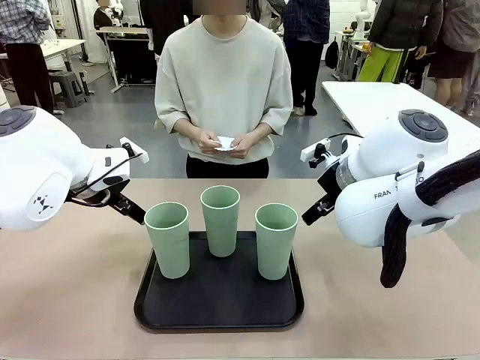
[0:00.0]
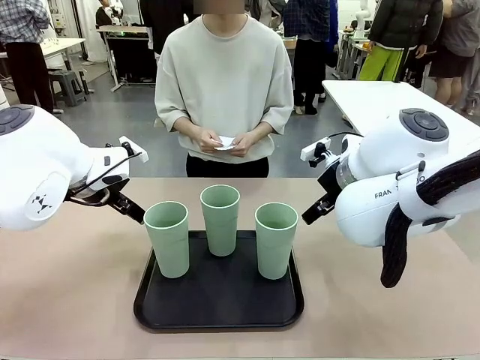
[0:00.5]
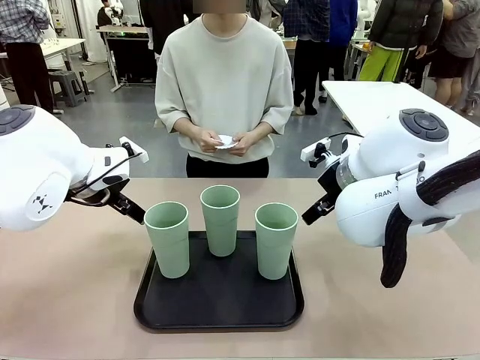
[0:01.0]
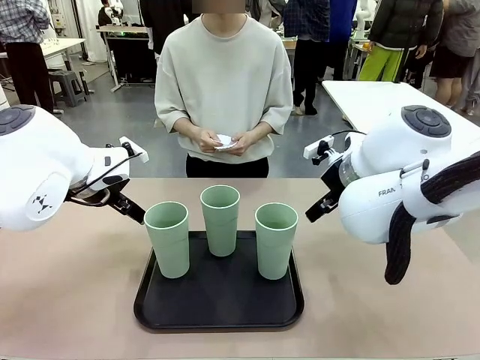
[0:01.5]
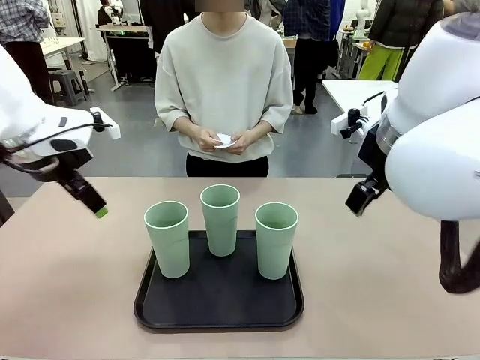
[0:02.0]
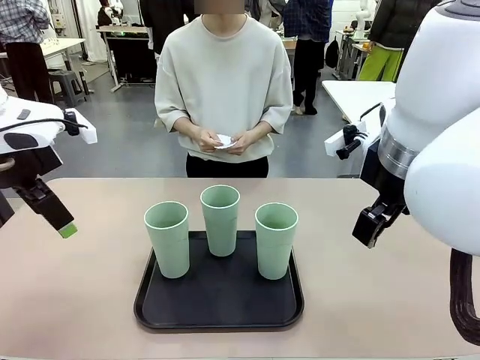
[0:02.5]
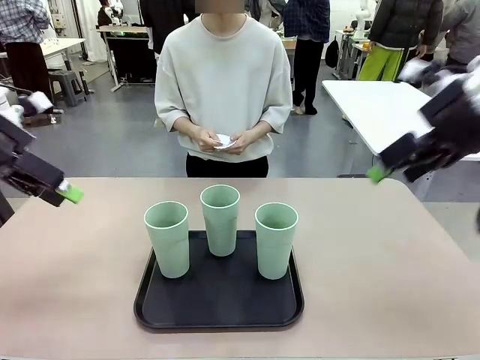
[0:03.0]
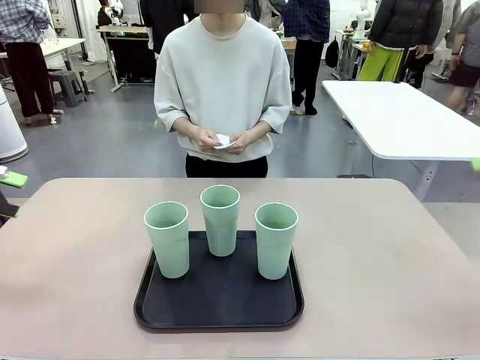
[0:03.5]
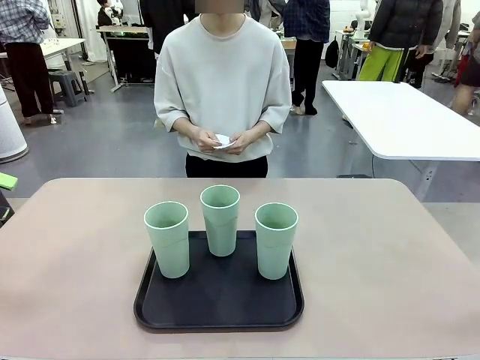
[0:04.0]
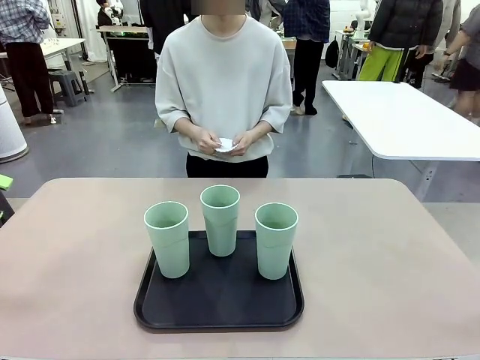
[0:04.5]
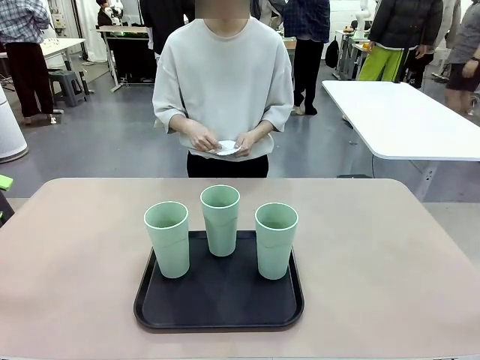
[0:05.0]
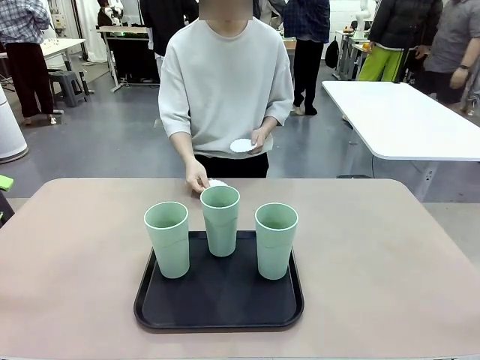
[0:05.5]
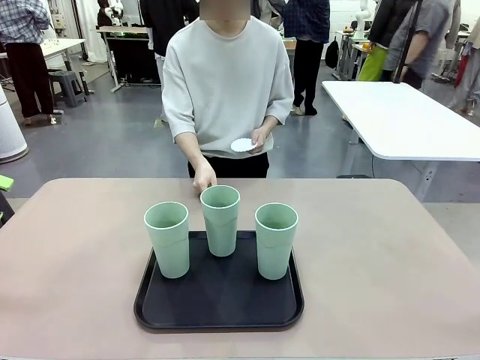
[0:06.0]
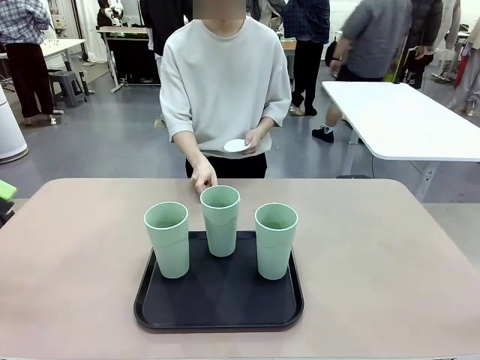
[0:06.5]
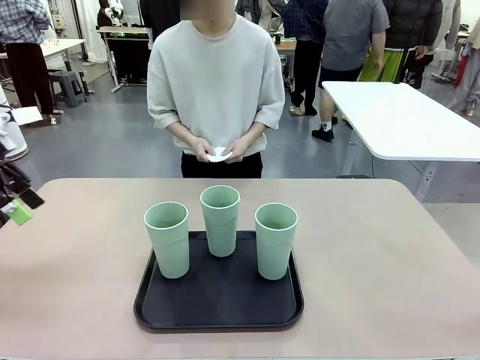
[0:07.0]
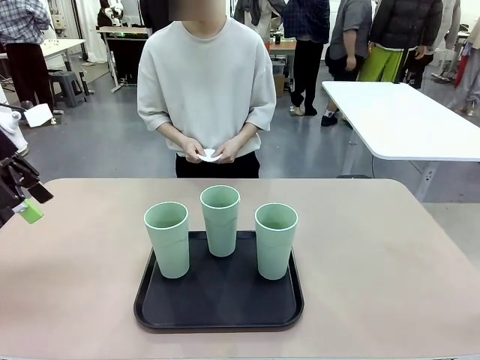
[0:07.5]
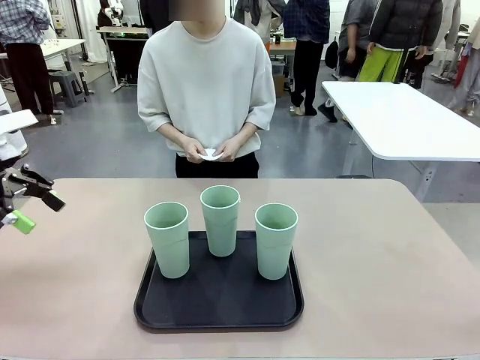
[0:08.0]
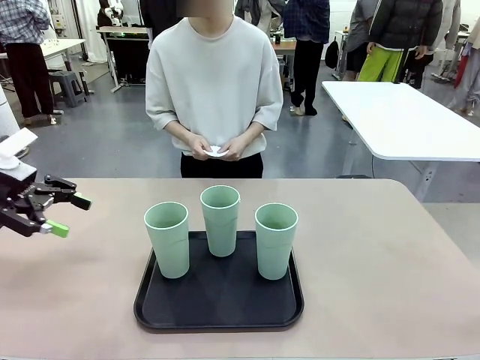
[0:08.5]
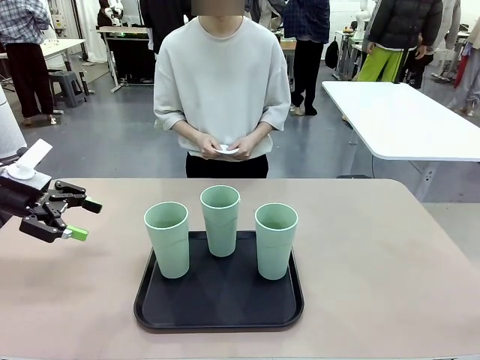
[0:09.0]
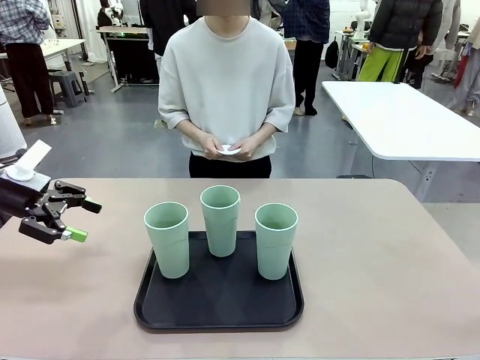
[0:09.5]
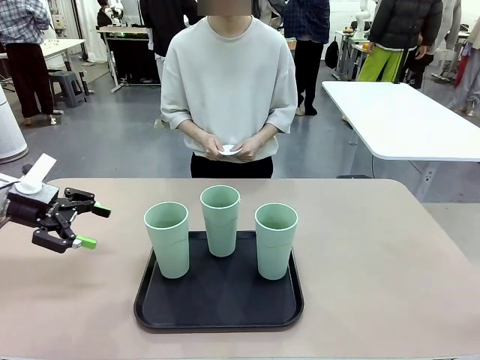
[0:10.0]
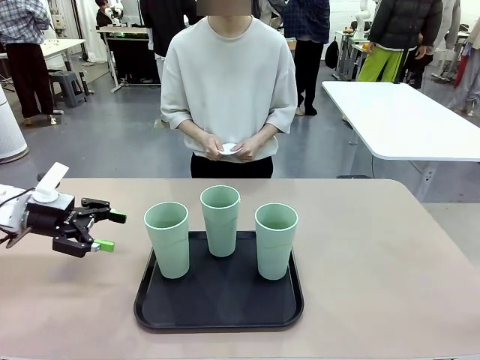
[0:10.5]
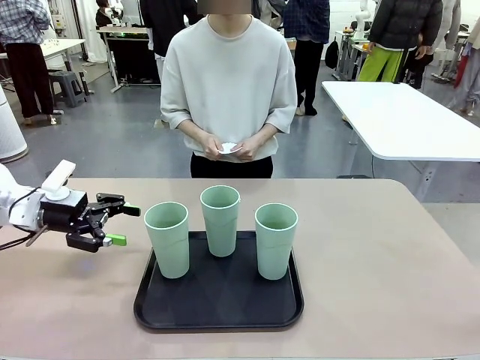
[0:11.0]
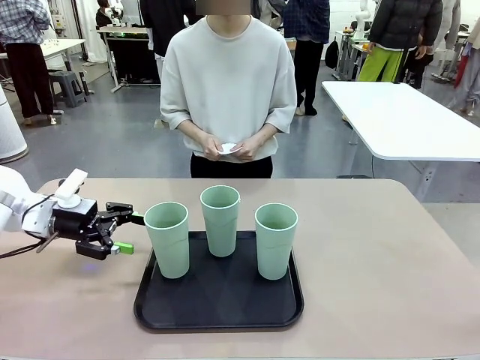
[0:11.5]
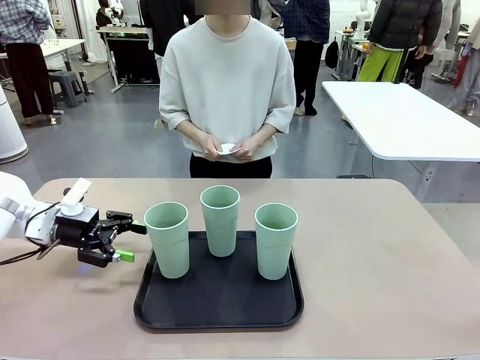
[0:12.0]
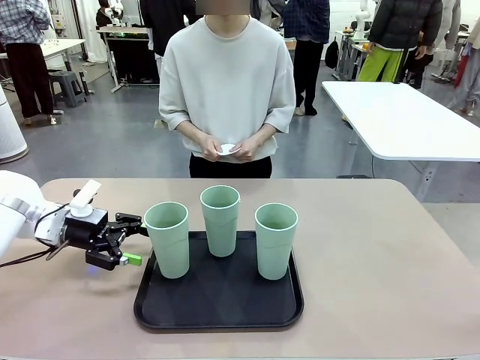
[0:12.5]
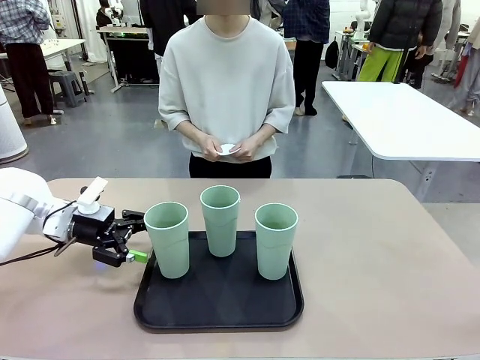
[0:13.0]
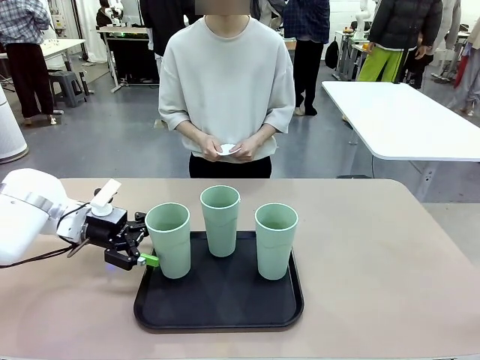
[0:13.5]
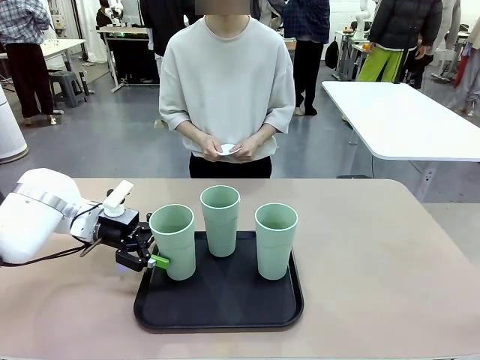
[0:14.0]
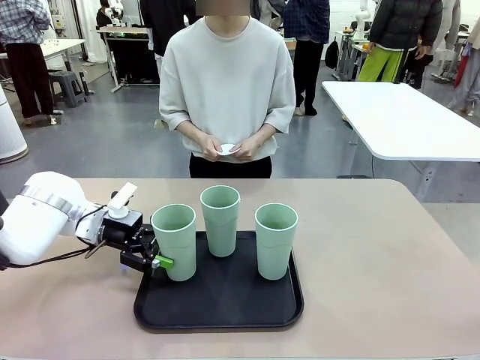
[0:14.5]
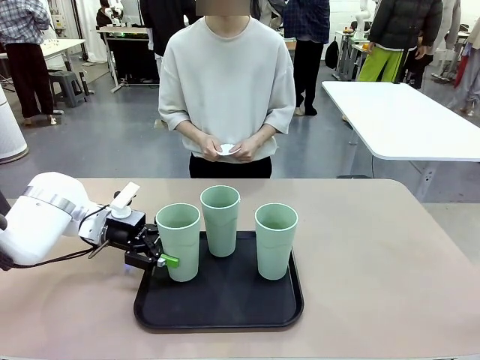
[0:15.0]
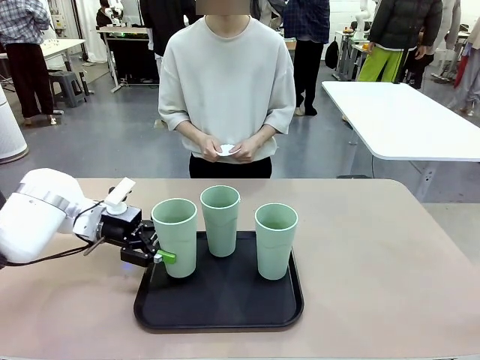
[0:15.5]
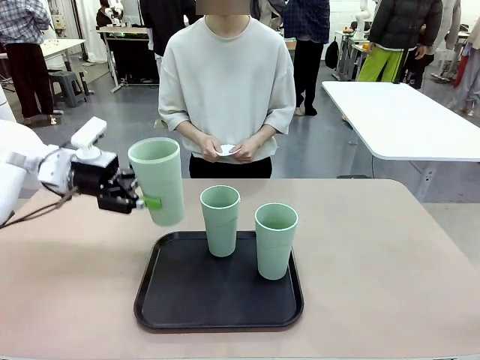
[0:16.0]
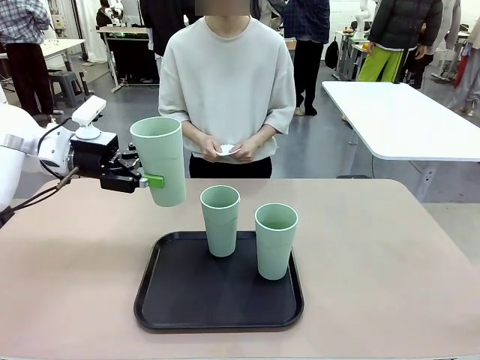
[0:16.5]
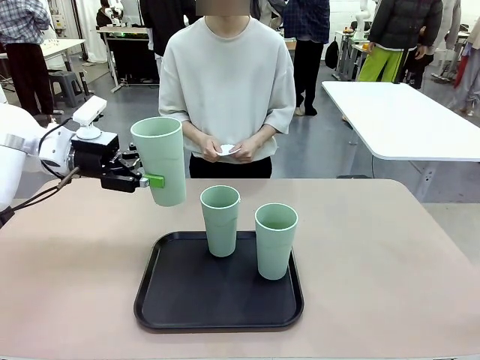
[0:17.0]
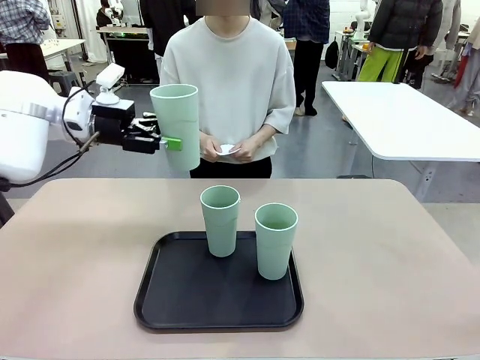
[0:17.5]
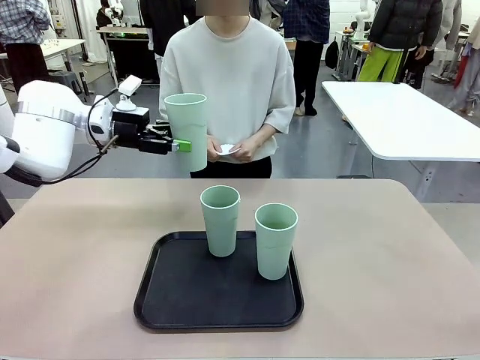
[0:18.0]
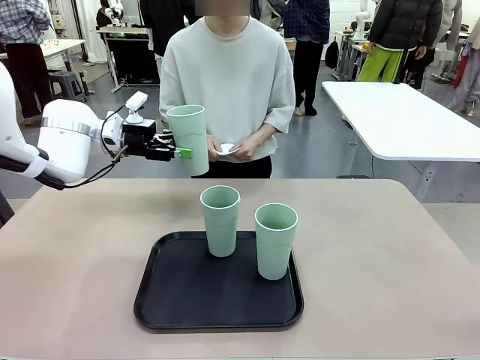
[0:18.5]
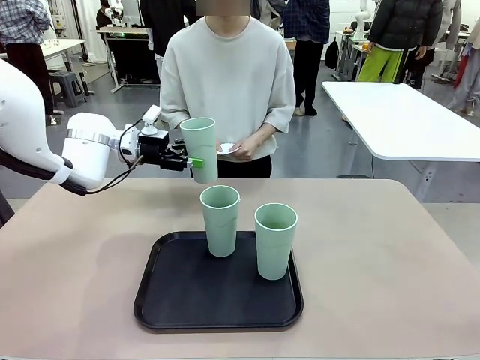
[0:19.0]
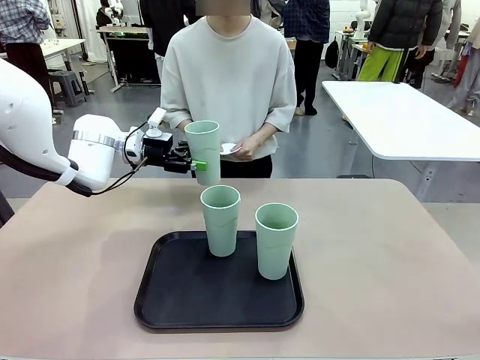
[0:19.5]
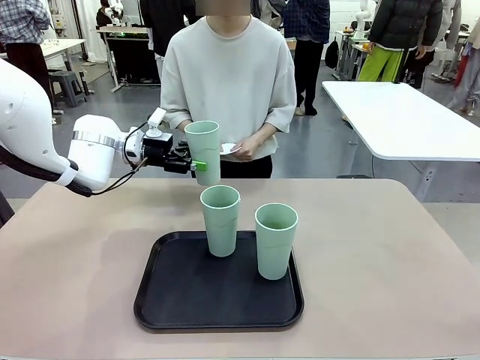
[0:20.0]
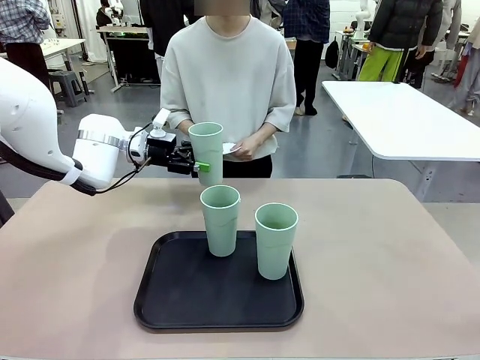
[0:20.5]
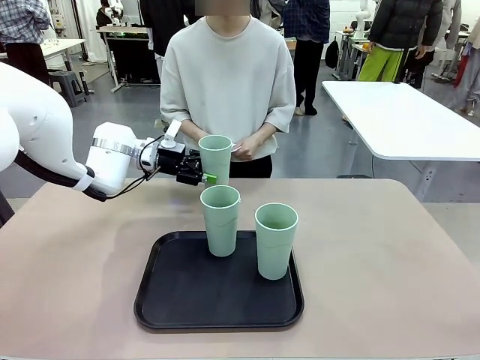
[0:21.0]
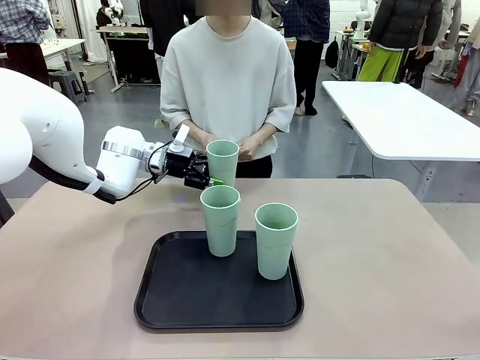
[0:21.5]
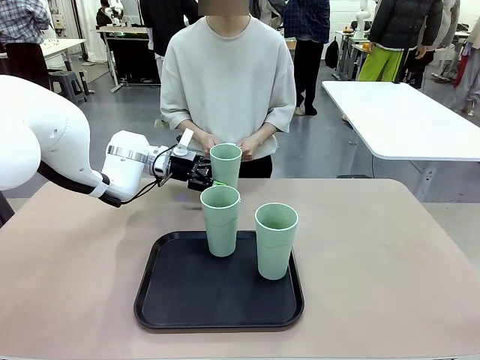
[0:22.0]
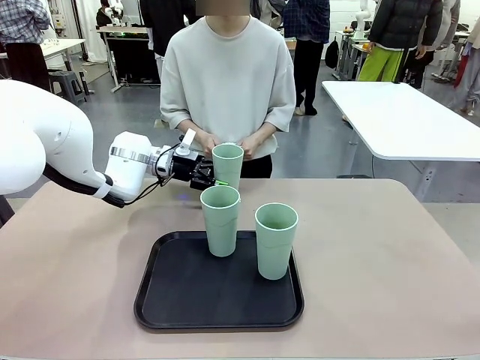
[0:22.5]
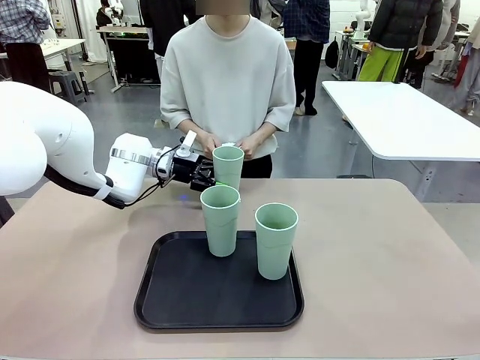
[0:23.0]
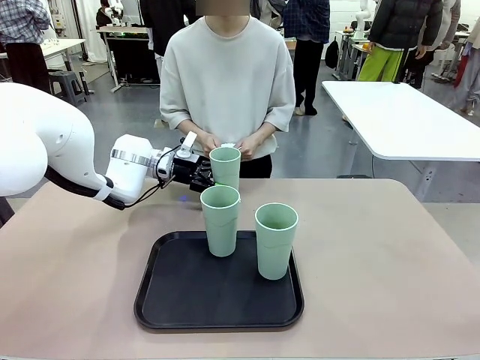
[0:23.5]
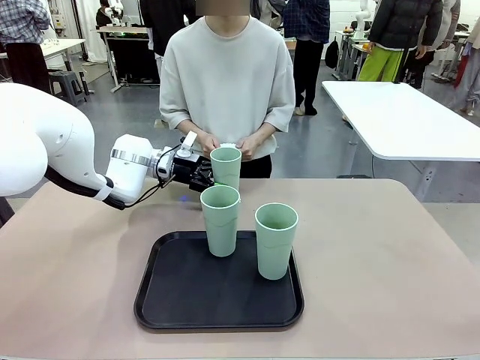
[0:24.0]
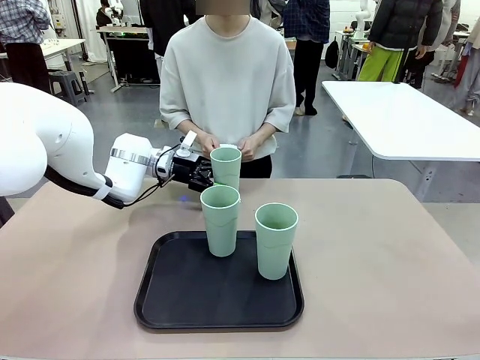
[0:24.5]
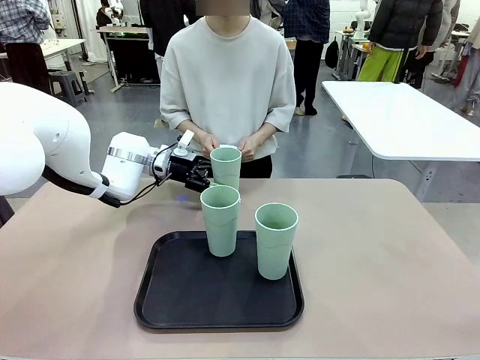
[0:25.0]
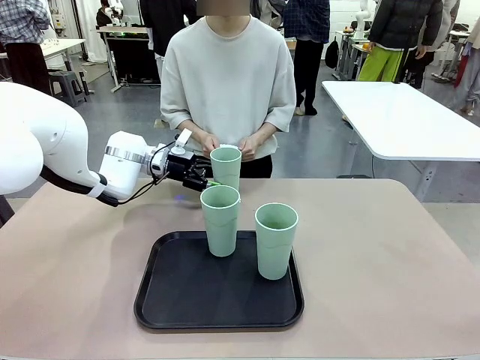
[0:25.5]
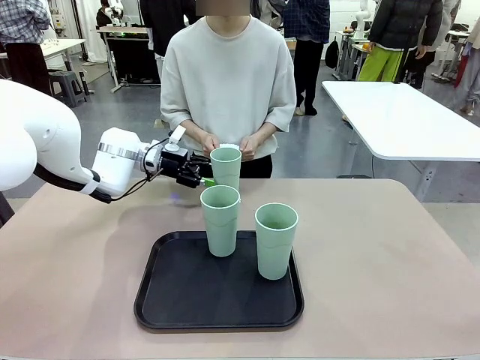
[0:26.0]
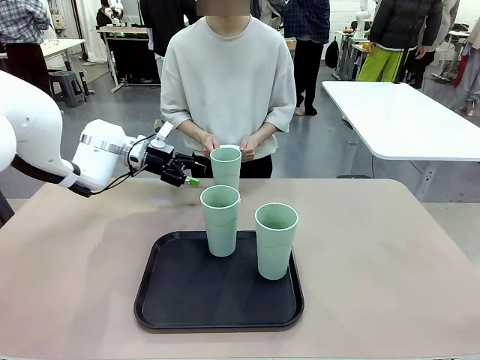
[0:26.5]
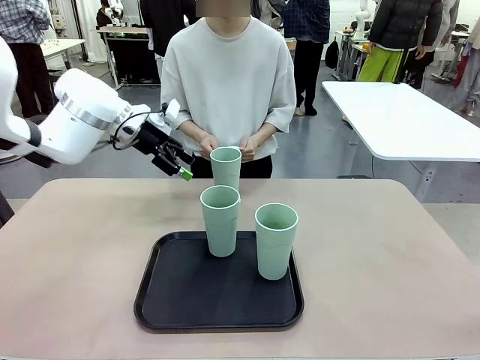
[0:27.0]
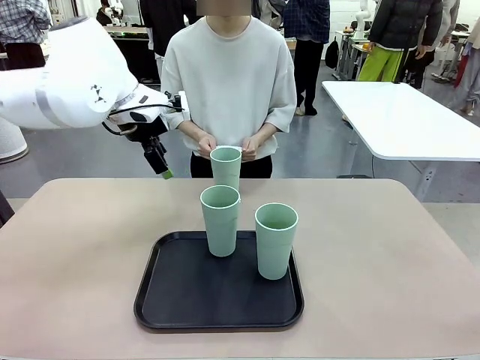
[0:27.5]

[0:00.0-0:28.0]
Task: Place coasters on the table and set cups on them.
Robot: Pick up one Reusable plastic cup and place it on a coaster set by the human.
Person: Place one coaster in any one of the three lower areas of the robot table (left, center, or right). Place one coaster in one of the two areas excluding the previously selected area.
